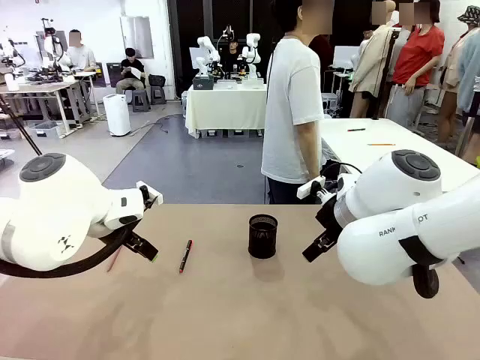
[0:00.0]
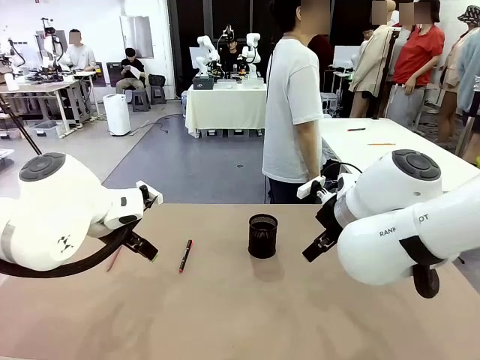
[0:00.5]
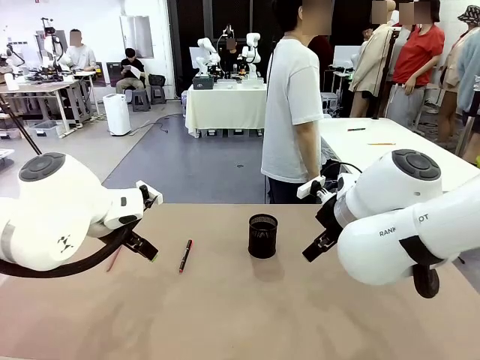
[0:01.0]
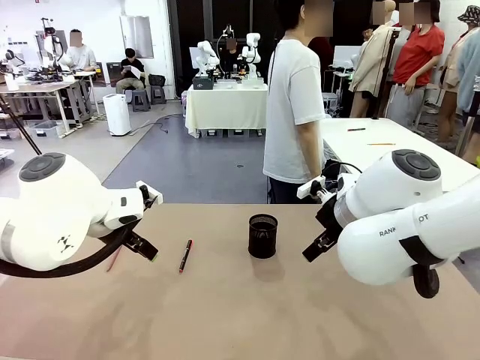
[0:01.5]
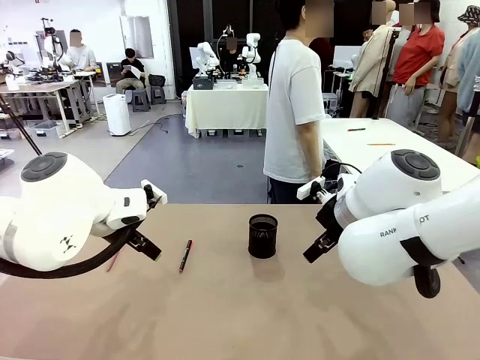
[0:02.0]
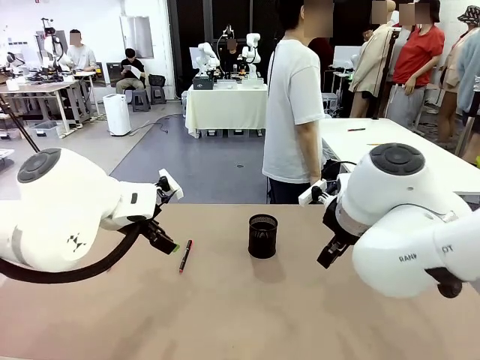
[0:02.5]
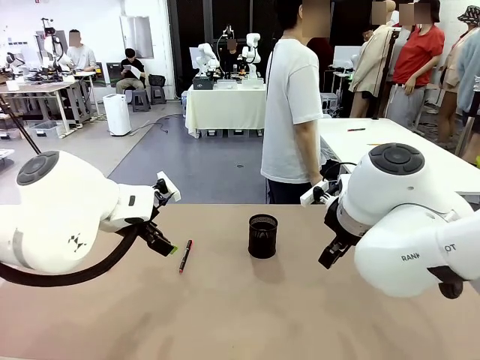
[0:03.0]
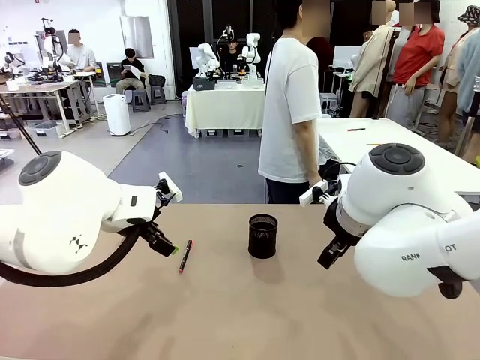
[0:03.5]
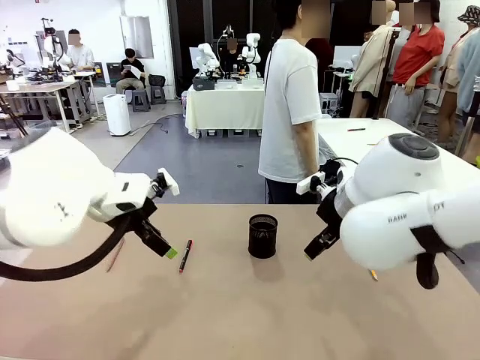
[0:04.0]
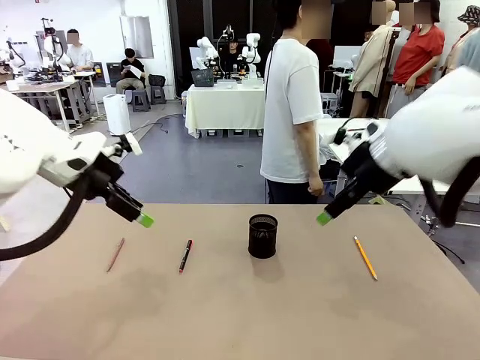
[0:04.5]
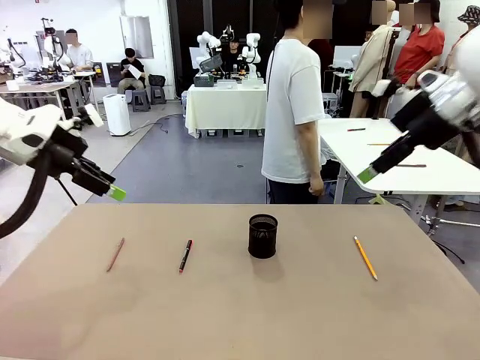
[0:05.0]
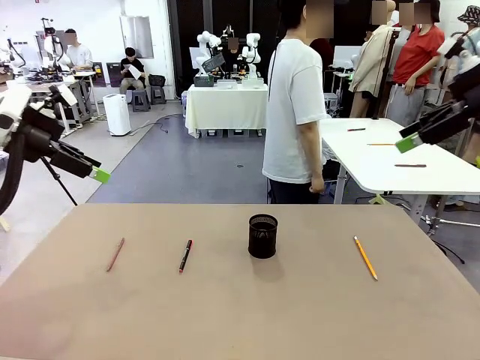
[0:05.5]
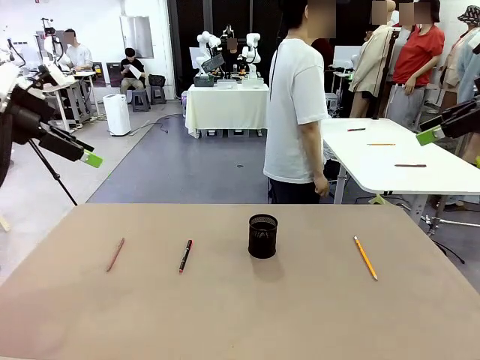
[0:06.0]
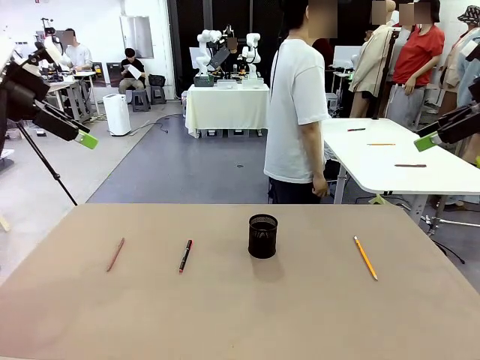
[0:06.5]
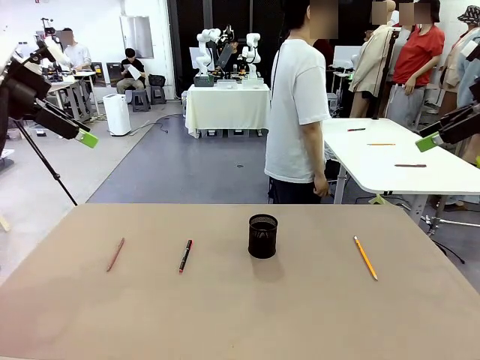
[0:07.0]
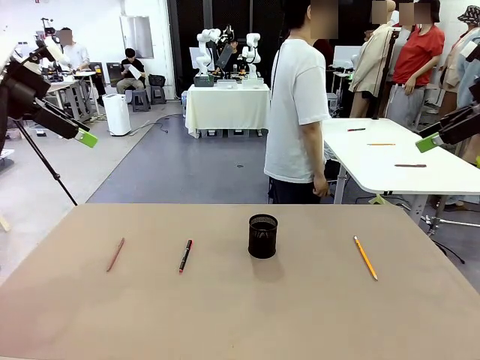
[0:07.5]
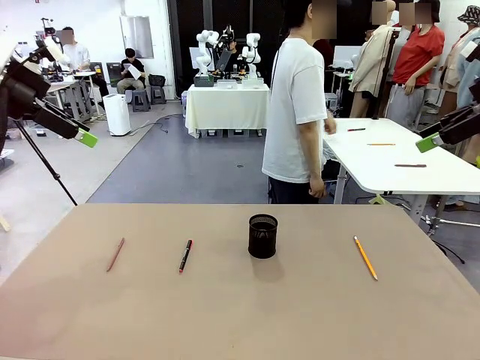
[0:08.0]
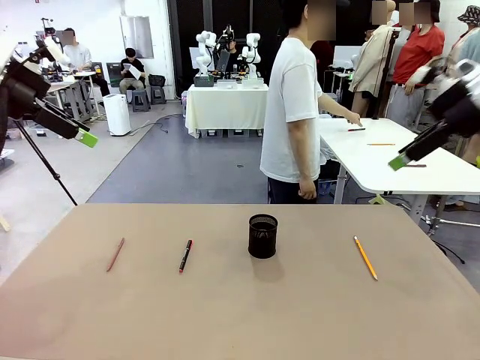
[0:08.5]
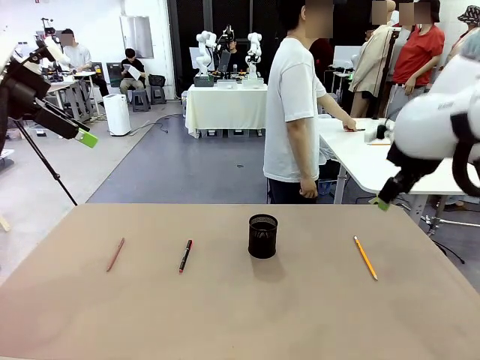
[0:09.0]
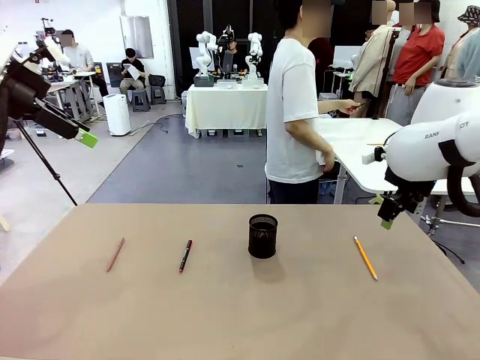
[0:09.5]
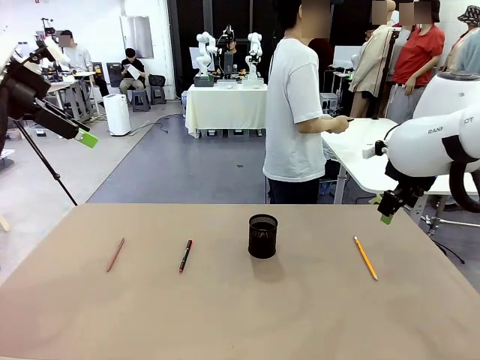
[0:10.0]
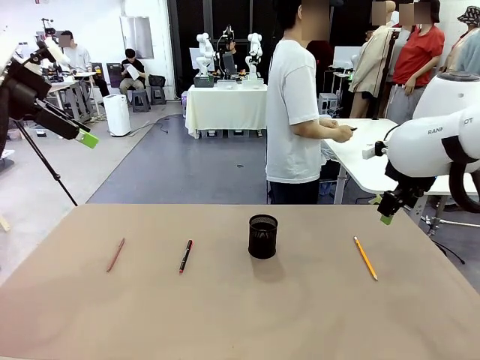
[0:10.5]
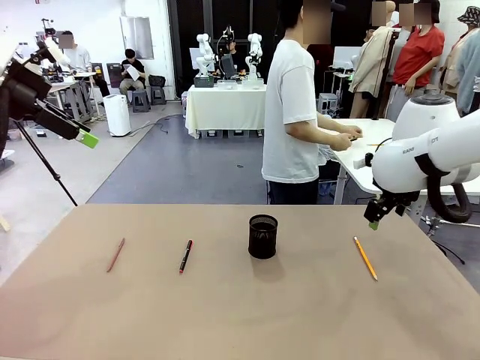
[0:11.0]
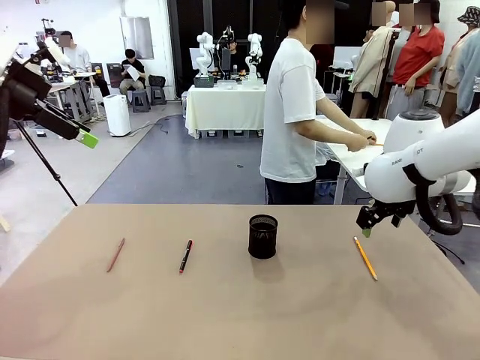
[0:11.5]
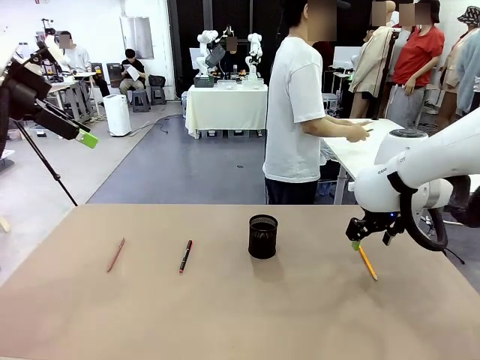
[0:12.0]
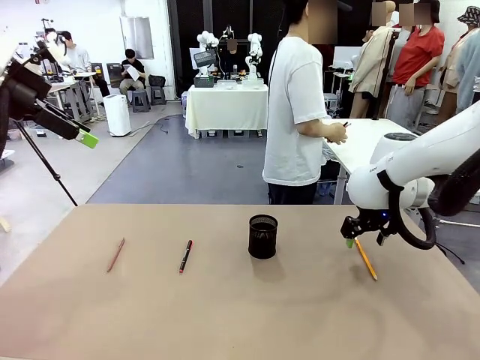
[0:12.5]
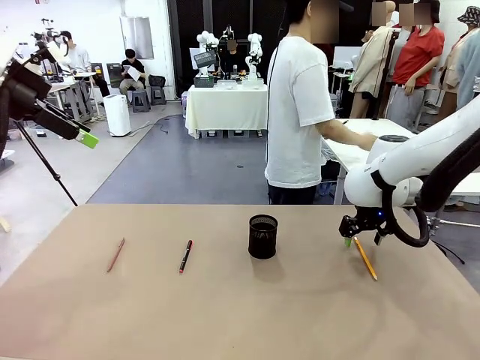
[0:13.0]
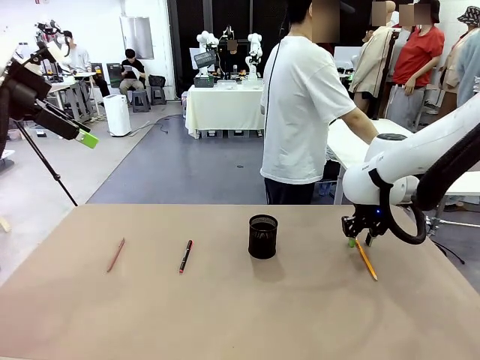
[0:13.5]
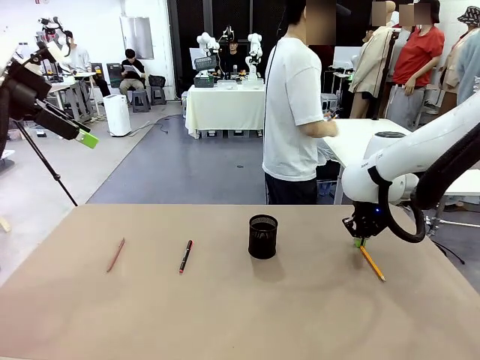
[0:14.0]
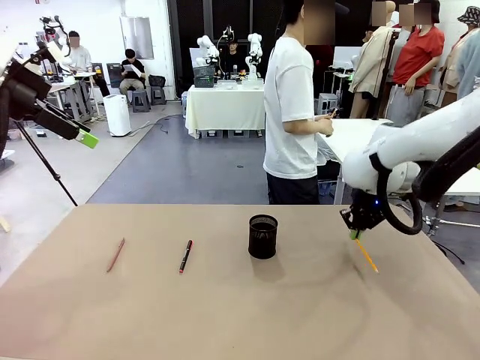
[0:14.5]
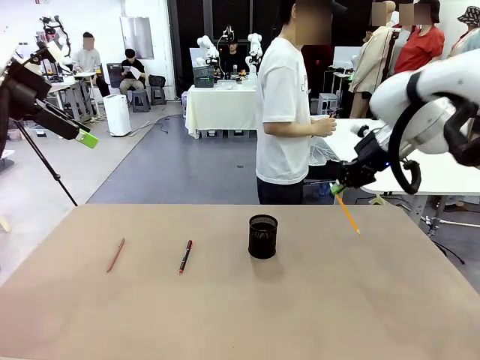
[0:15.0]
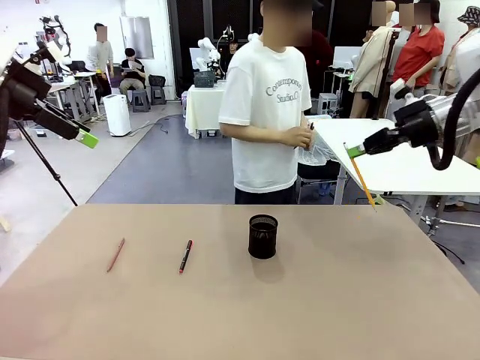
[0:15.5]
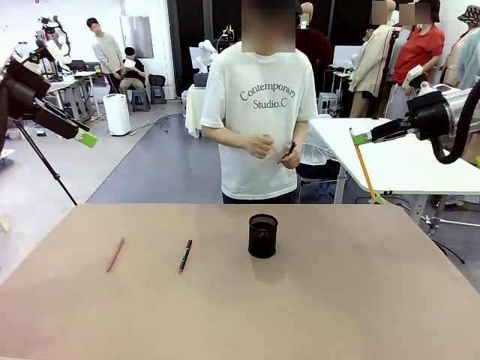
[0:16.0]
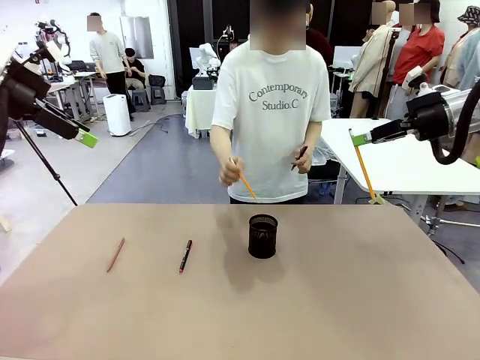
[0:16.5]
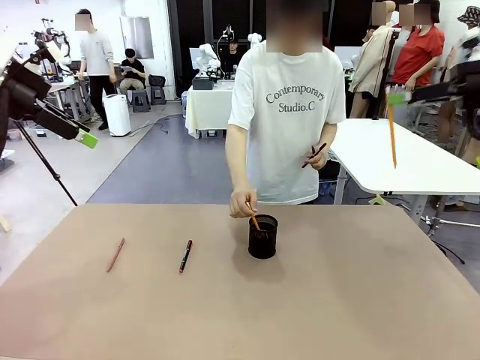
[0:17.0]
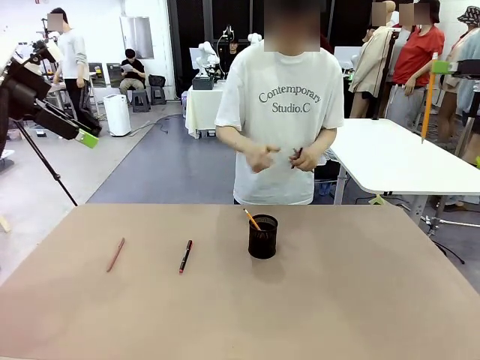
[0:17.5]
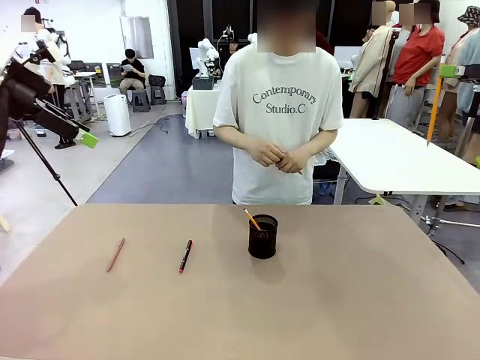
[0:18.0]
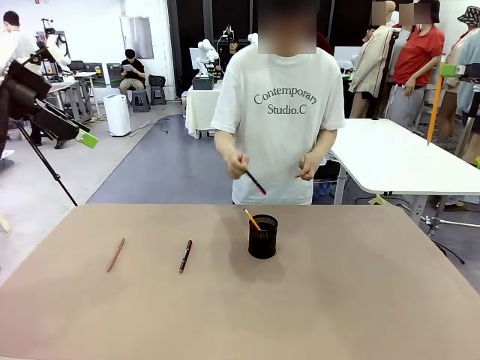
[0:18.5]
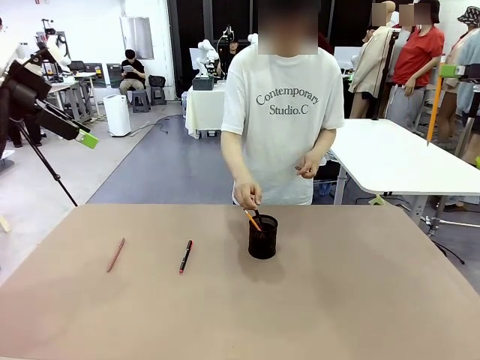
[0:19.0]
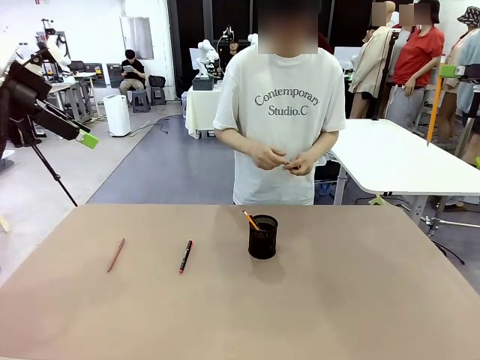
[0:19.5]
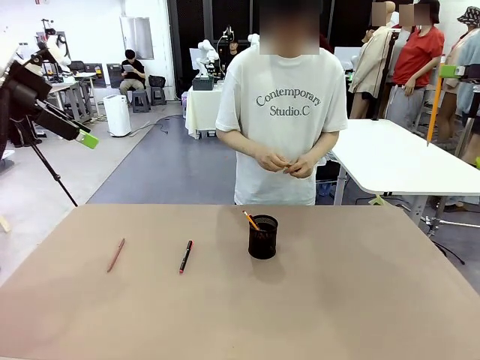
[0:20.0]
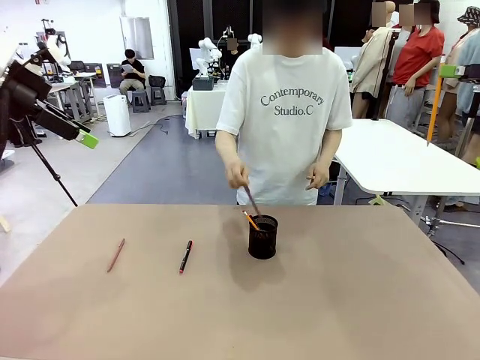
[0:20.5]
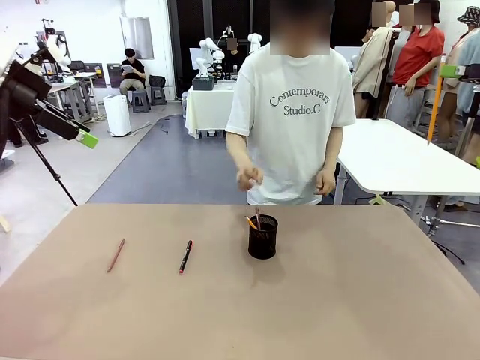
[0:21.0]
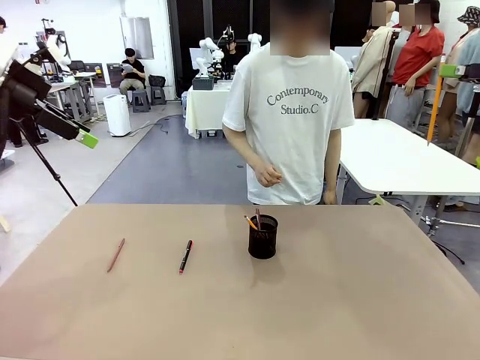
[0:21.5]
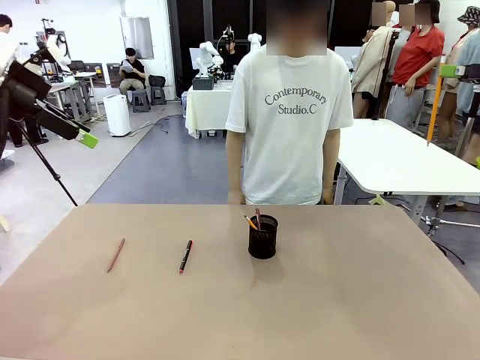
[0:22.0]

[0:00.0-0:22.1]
Task: Place the pens into the pen holder.
Robot: Pick up a writing instrument from the table and place it into the Pen holder.
Person: Pick up all writing instruments from the Human table.
